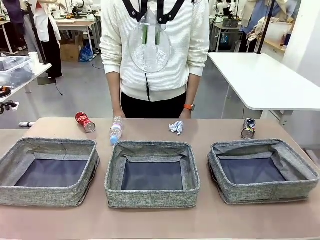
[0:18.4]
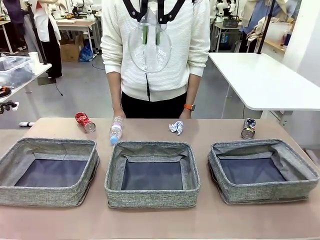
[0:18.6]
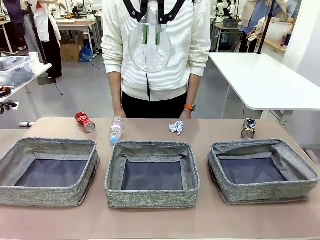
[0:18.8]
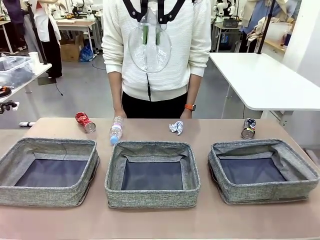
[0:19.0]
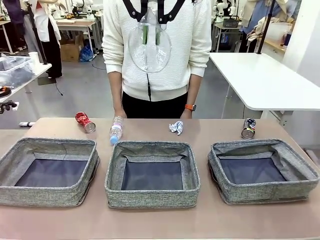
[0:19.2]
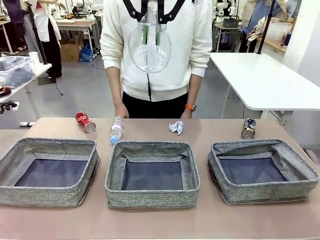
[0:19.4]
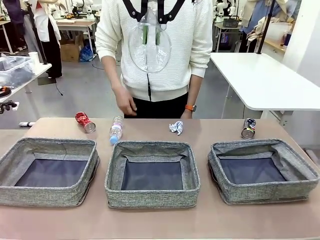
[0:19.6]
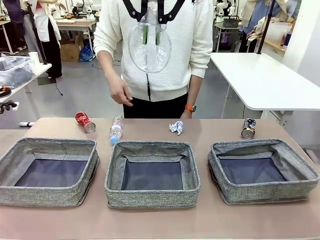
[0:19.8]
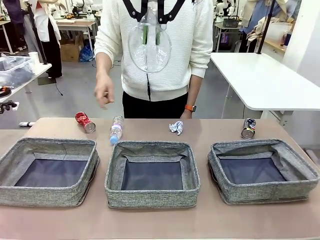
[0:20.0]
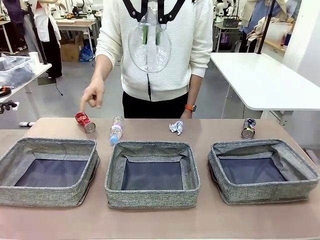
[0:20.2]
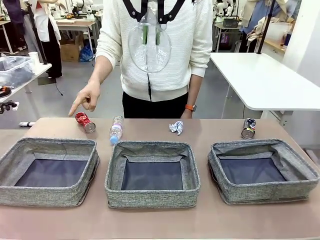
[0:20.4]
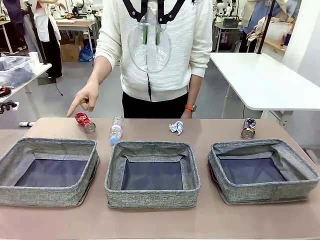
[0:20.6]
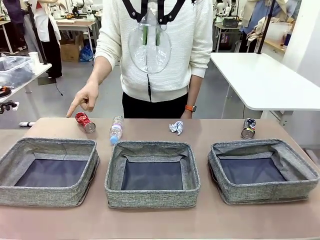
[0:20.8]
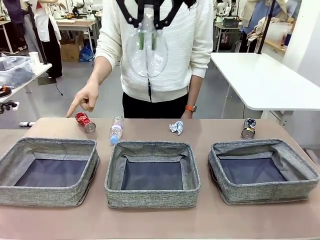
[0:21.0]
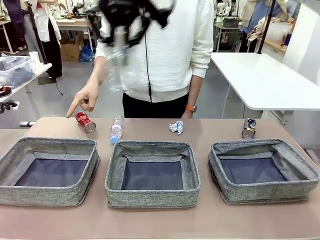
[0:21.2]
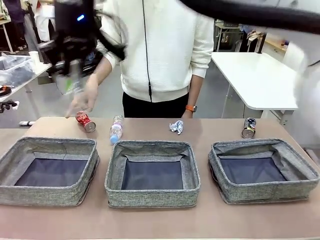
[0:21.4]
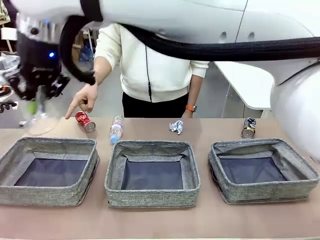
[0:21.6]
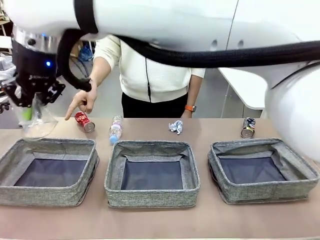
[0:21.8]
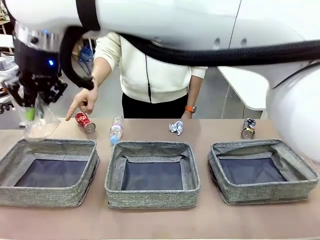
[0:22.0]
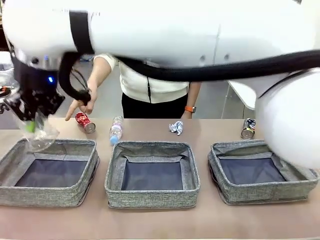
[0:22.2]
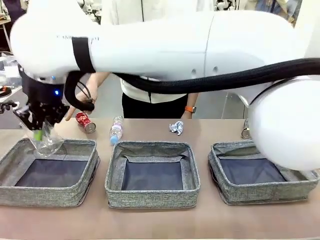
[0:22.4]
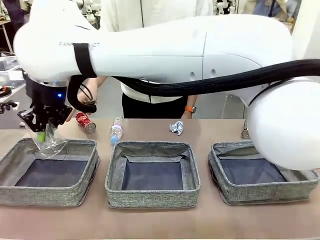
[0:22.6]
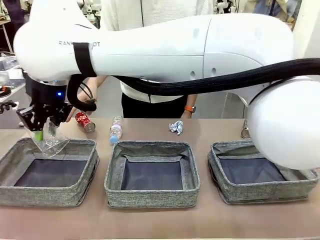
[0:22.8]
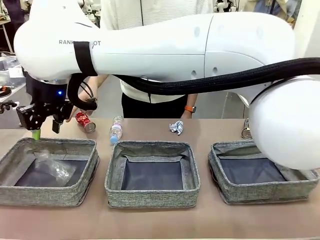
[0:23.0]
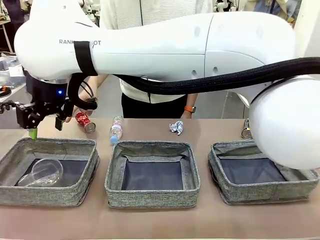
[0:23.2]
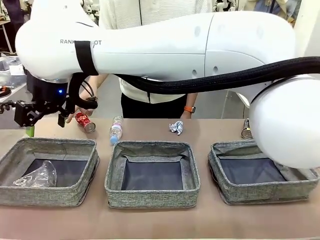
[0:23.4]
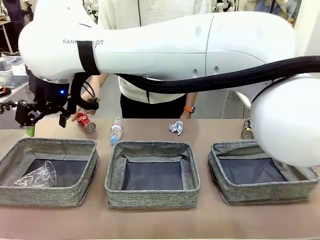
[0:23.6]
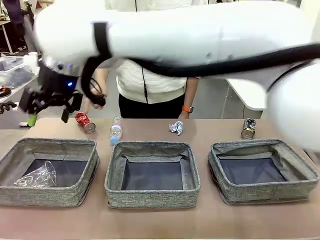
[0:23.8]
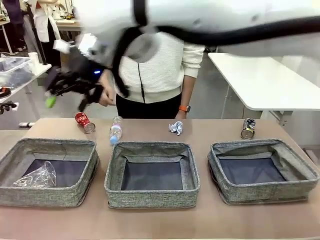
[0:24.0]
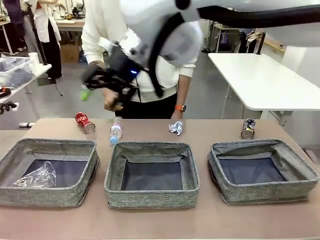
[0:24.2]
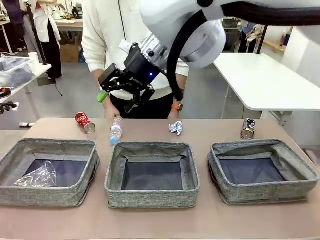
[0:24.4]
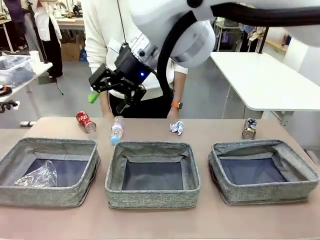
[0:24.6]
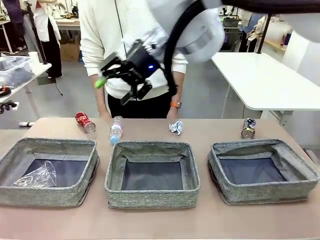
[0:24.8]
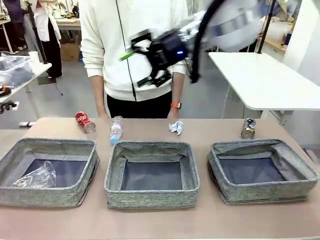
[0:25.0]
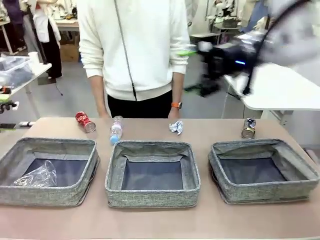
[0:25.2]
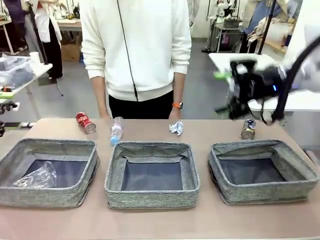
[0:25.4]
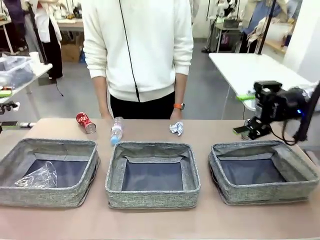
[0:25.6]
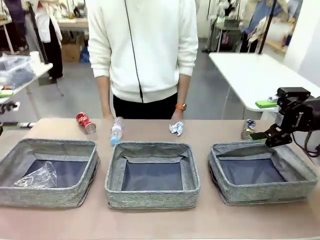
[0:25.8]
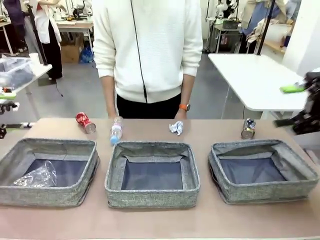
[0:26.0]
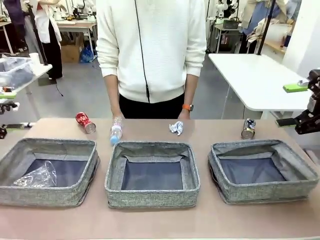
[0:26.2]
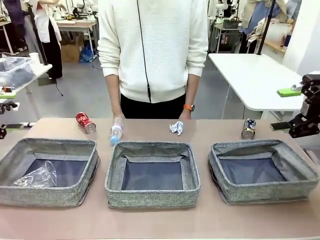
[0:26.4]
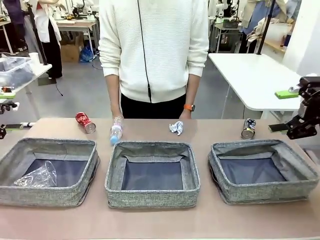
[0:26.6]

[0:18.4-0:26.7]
Task: Sort the waste into the appropriate baskets.
Robot: Place the picked waste into the Fabric basket indicated by the person.
Person: Instructs the robot to place the picked-up trash into the appropriate organizing basket.

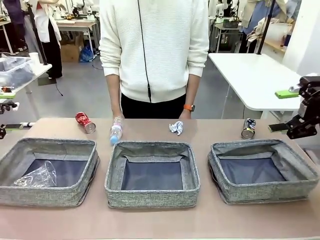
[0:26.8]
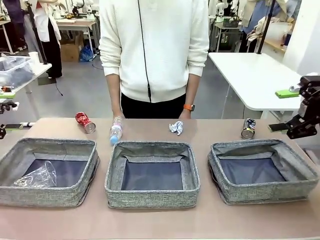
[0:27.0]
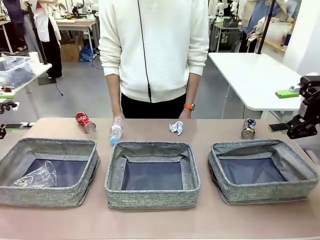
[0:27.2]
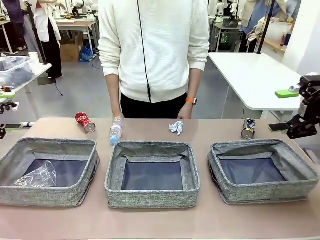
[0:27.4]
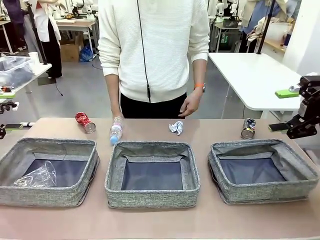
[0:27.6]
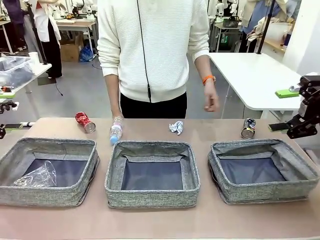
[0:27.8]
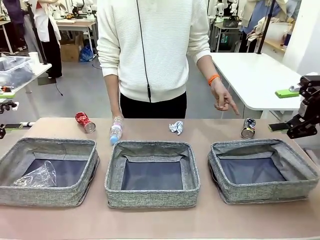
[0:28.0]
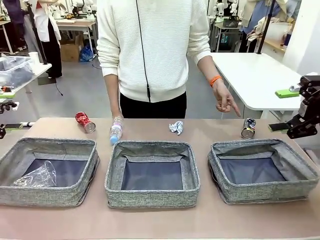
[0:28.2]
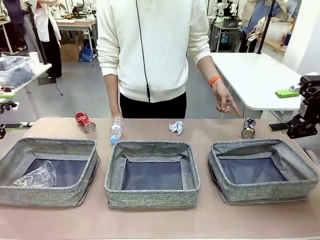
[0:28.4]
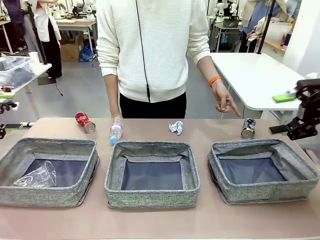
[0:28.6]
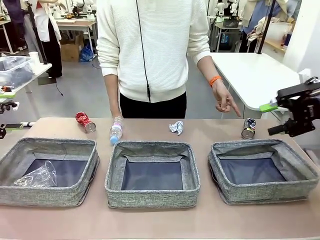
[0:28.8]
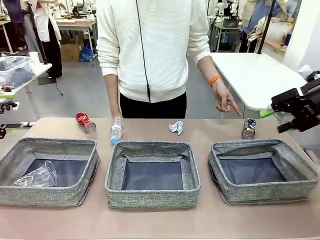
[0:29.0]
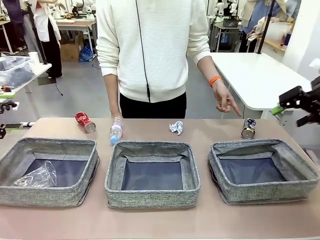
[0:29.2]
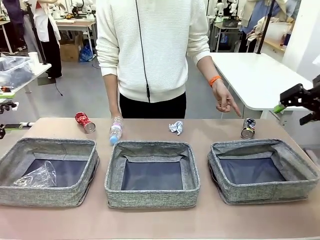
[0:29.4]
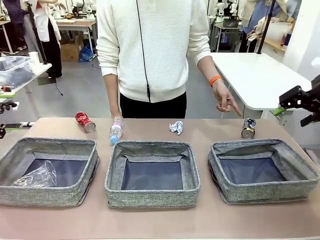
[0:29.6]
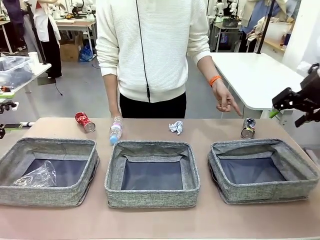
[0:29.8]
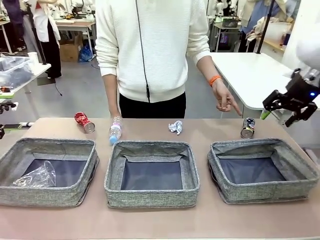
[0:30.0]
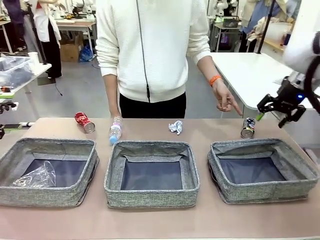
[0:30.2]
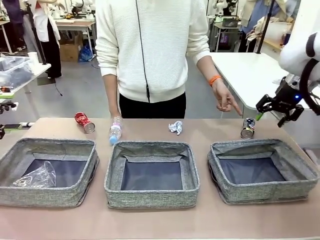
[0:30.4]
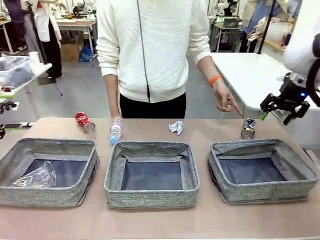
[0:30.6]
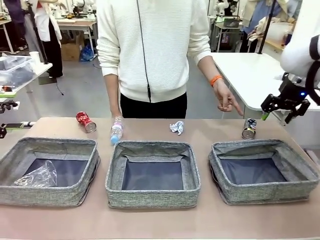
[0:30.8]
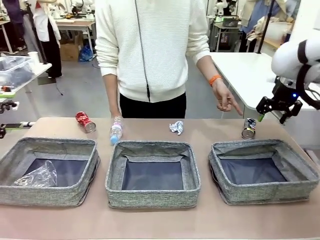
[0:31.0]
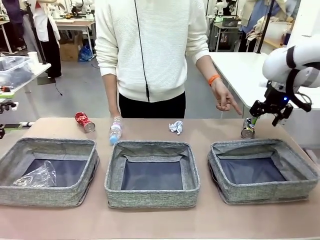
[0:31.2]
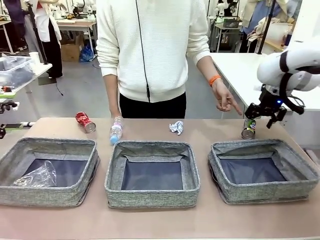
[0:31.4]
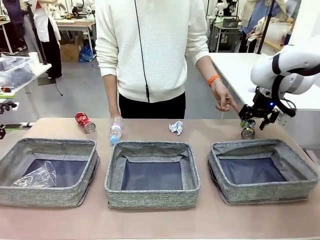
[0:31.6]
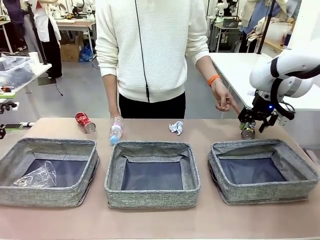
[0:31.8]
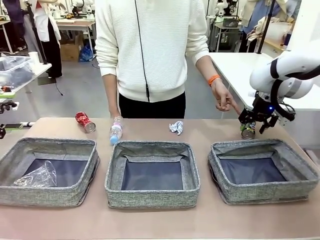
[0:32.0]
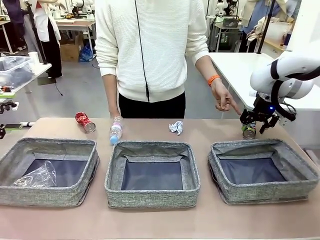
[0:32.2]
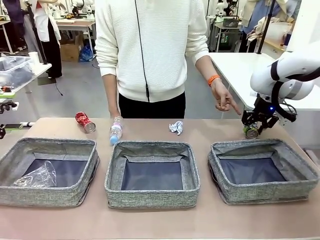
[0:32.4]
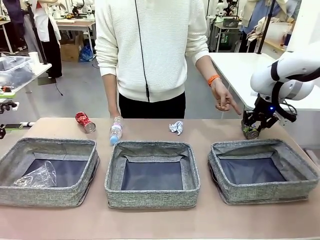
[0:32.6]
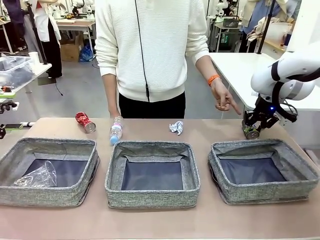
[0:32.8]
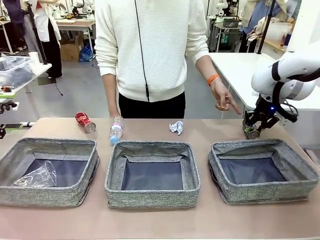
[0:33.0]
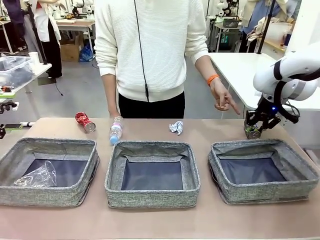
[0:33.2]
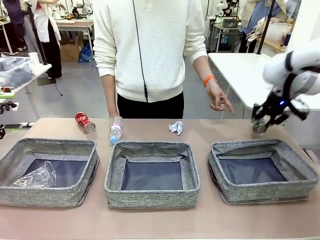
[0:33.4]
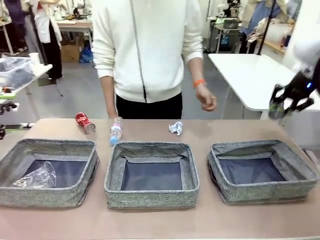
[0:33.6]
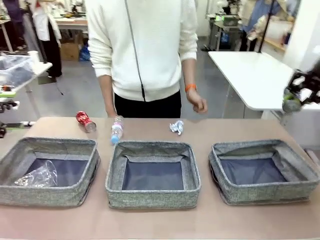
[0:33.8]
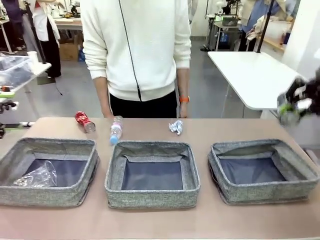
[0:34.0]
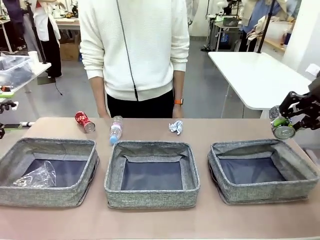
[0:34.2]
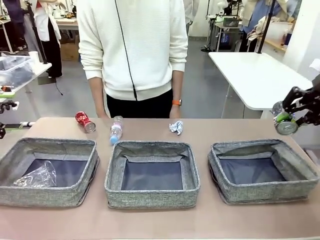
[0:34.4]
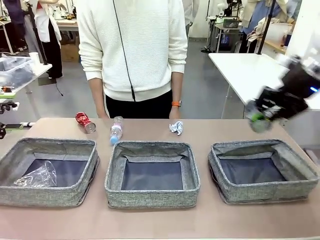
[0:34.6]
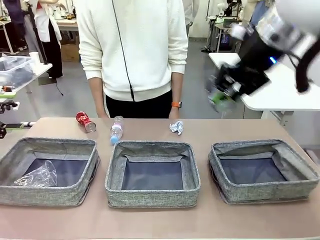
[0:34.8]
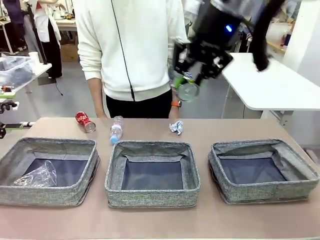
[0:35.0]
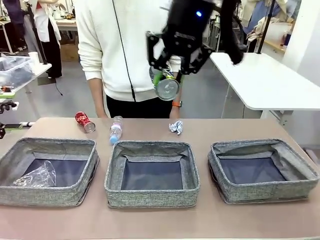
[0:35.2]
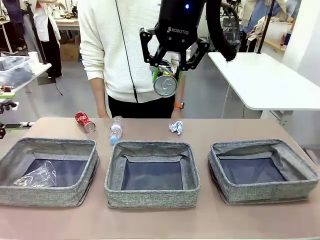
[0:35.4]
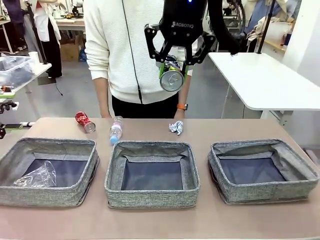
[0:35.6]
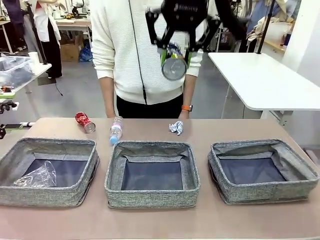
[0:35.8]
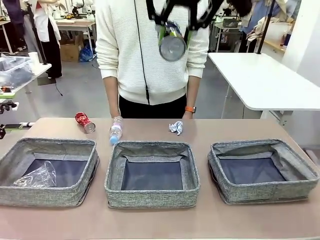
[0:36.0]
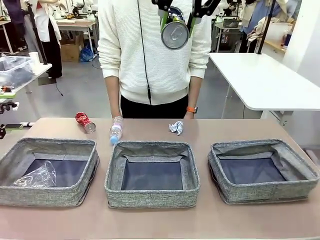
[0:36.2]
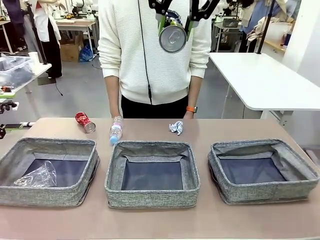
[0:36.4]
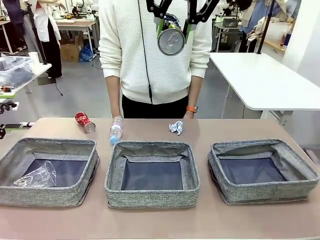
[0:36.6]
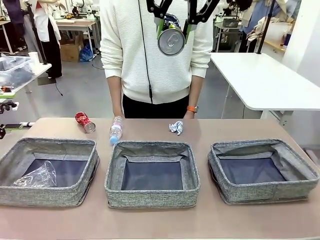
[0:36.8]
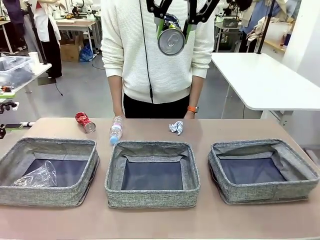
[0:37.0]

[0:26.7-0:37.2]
Robot: Pick up the waste item pointed out by the person.
Person: Points to one piece of trash on the table.

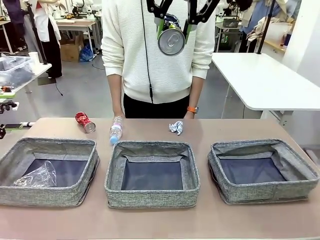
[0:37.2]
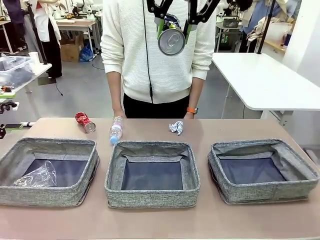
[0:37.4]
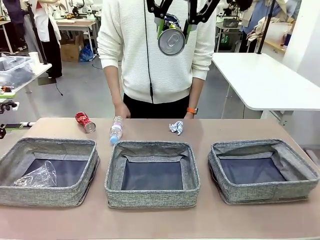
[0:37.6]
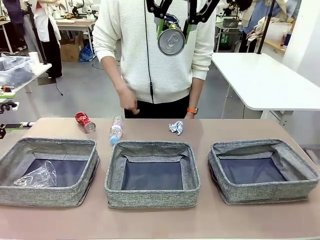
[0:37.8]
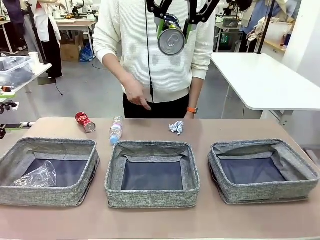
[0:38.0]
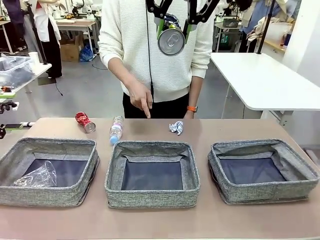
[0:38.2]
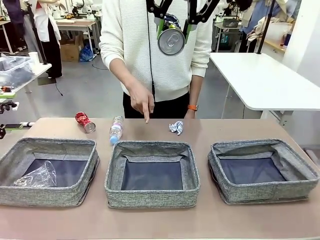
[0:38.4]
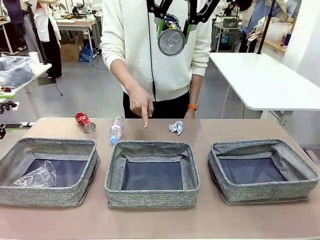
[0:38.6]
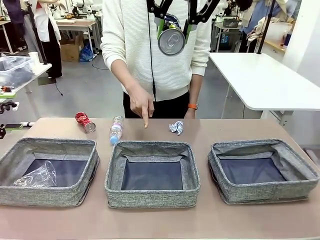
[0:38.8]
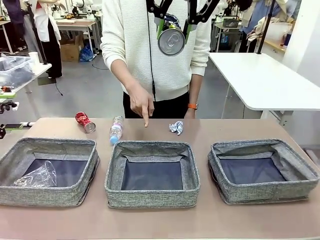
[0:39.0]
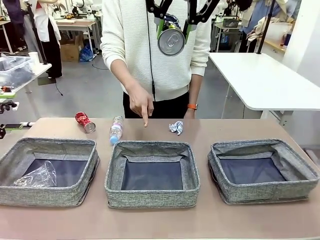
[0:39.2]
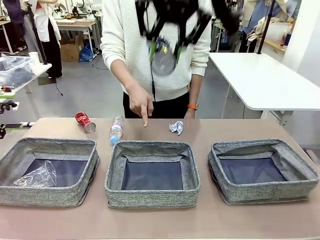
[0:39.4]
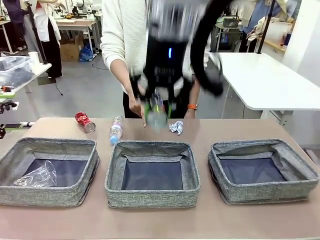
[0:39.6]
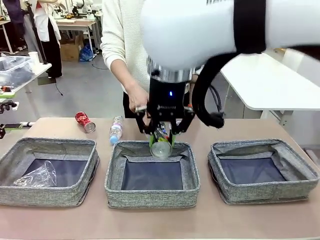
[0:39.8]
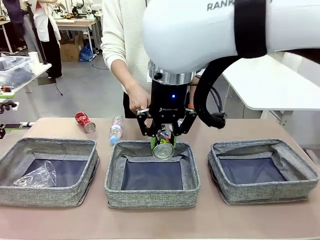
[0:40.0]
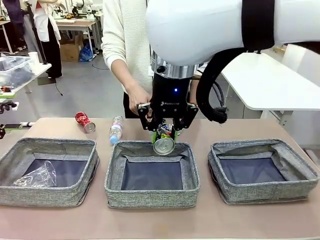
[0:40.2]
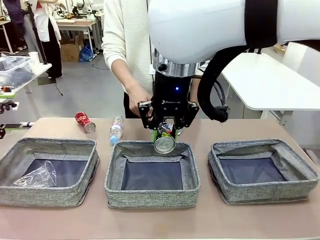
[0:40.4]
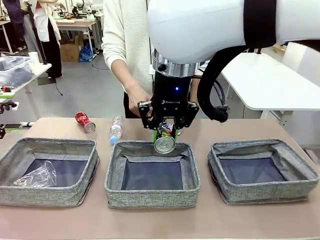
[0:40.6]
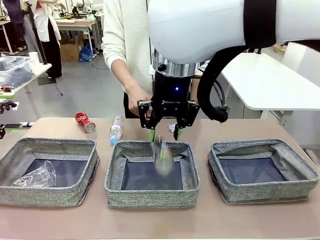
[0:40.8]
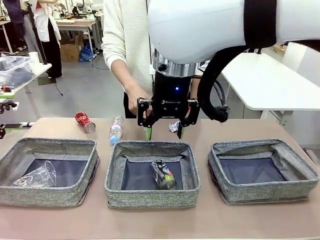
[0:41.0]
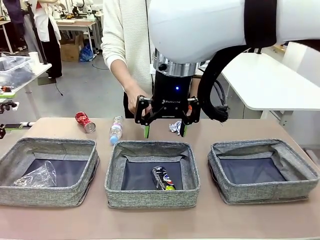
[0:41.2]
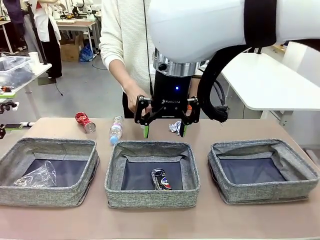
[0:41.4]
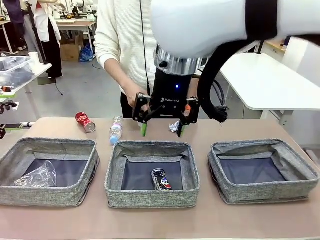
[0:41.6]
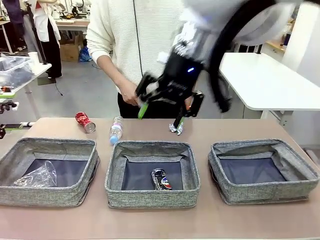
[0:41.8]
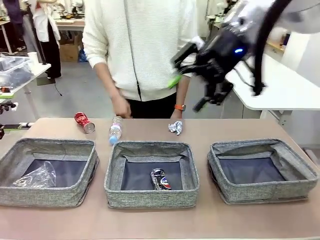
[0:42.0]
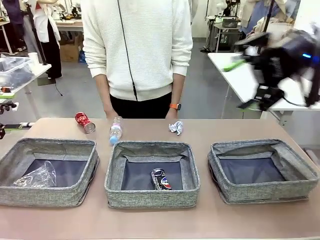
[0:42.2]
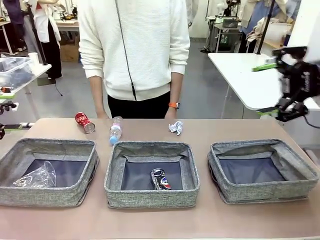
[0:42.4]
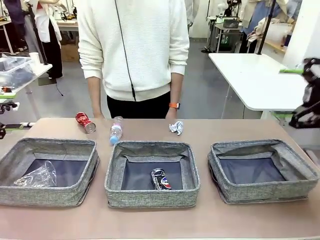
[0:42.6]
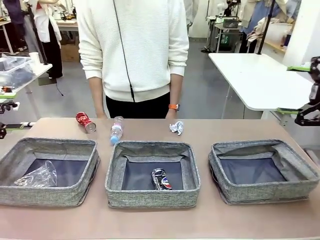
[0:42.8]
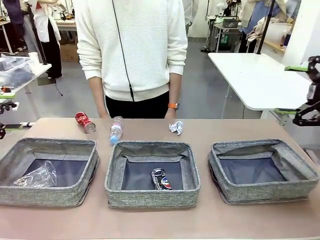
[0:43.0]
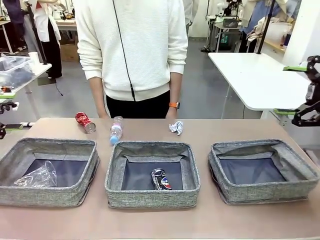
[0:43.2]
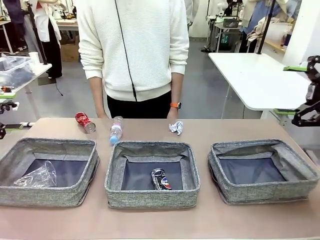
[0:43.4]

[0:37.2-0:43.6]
Robot: Place the picked waste into the Fabric basket indicated by the person.
Person: Instructs the robot to place the picked-up trash into the appropriate organizing basket.
